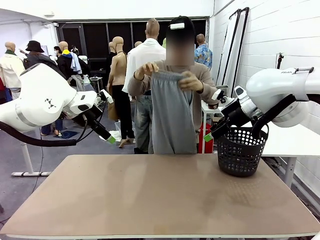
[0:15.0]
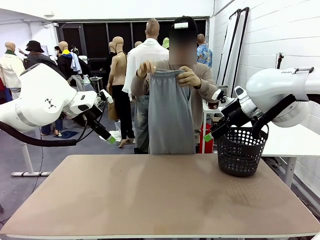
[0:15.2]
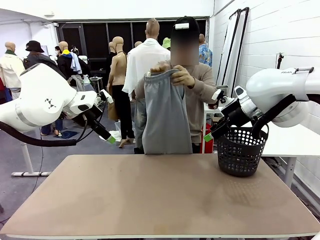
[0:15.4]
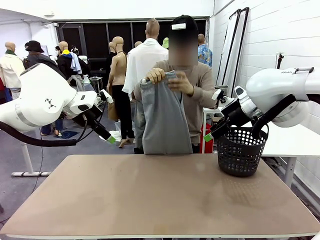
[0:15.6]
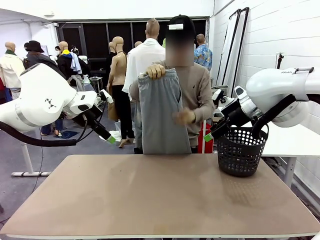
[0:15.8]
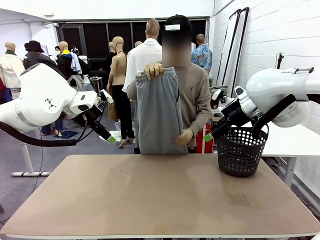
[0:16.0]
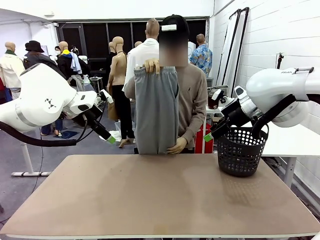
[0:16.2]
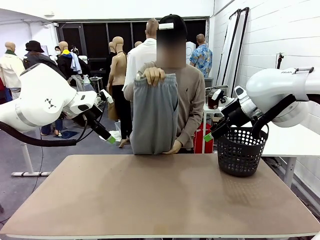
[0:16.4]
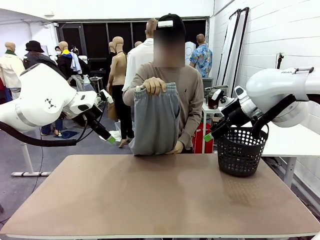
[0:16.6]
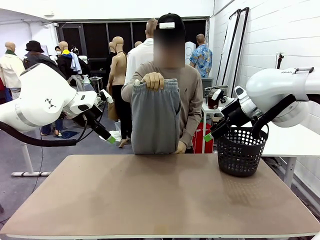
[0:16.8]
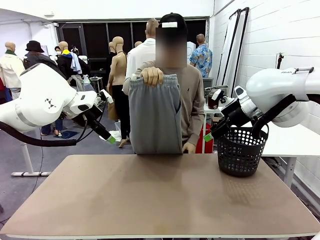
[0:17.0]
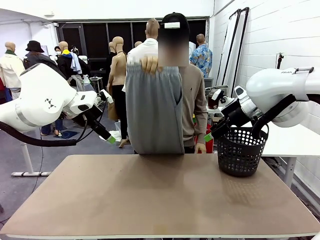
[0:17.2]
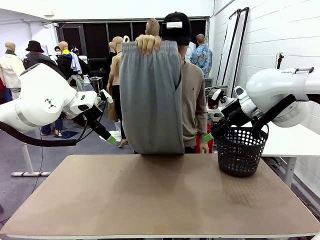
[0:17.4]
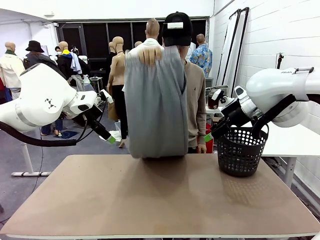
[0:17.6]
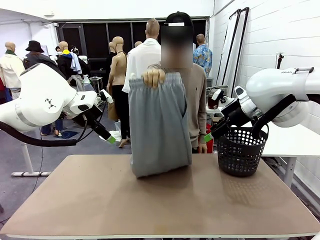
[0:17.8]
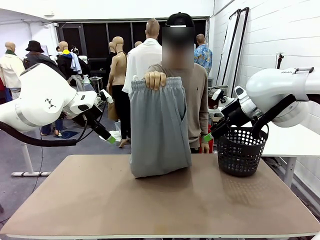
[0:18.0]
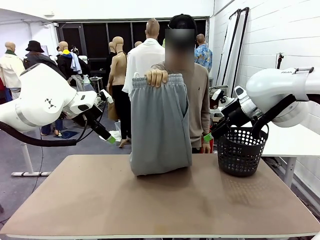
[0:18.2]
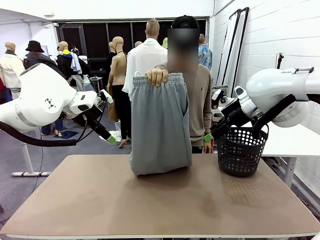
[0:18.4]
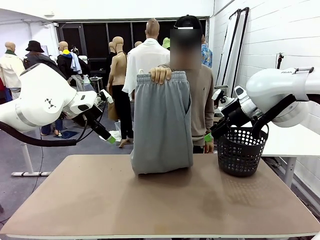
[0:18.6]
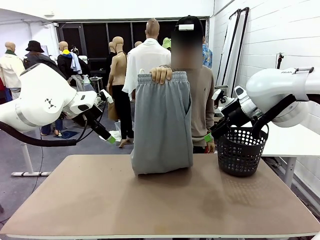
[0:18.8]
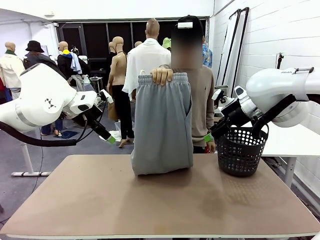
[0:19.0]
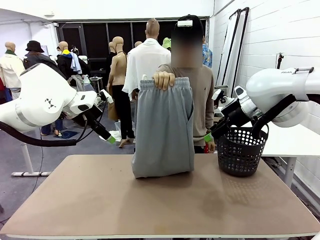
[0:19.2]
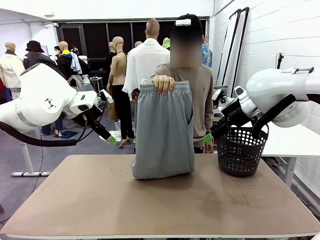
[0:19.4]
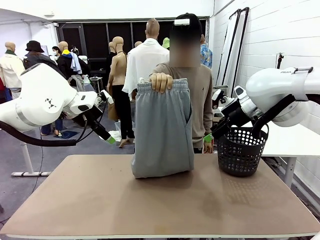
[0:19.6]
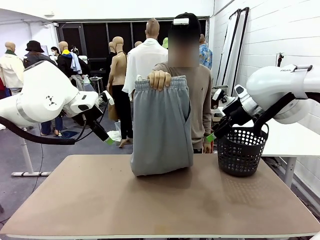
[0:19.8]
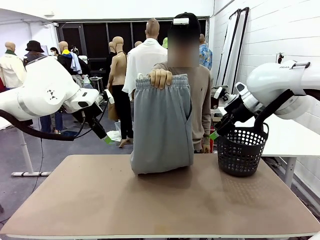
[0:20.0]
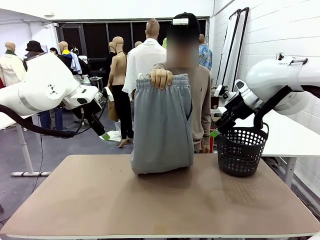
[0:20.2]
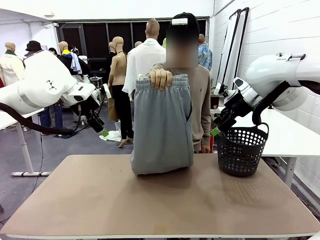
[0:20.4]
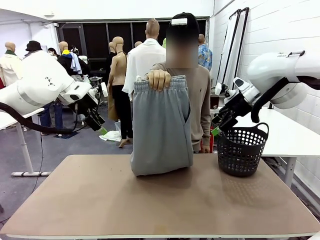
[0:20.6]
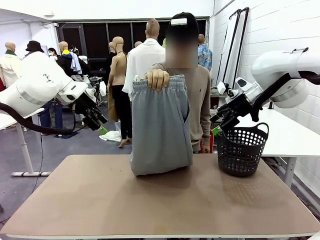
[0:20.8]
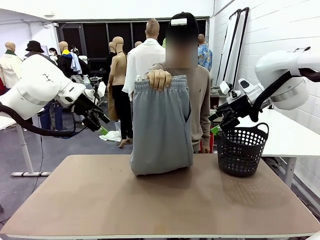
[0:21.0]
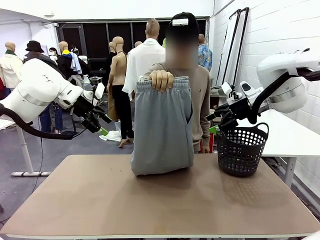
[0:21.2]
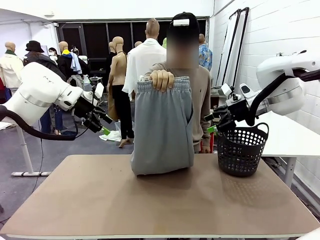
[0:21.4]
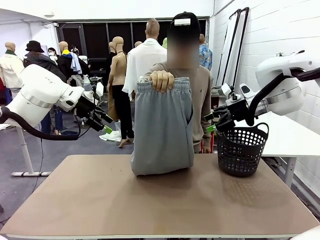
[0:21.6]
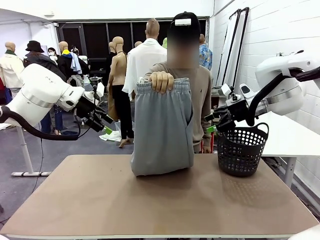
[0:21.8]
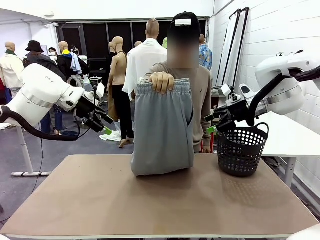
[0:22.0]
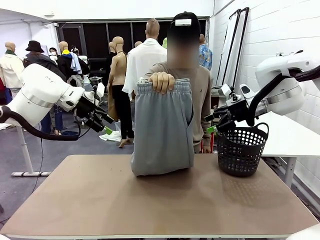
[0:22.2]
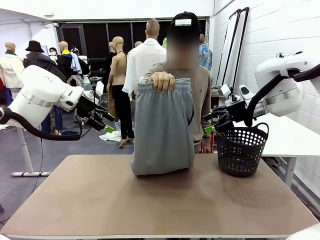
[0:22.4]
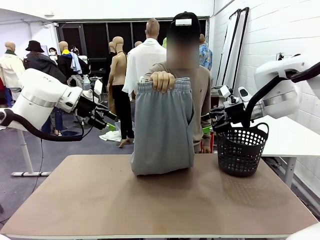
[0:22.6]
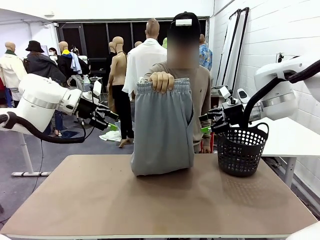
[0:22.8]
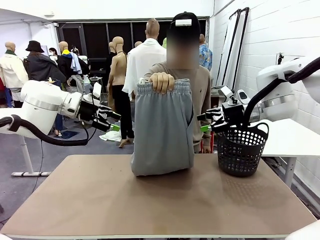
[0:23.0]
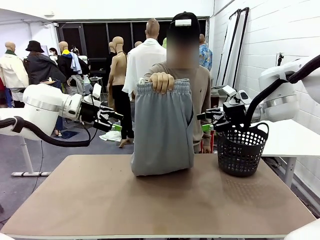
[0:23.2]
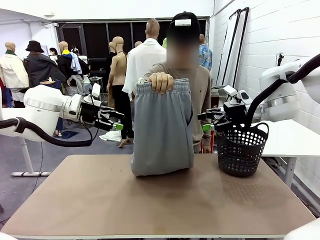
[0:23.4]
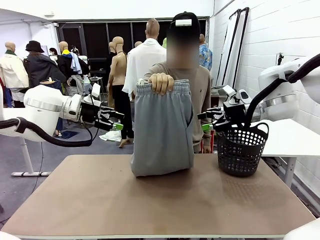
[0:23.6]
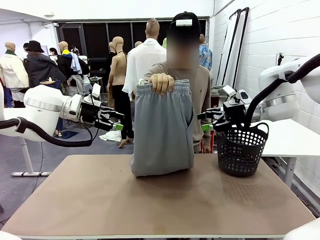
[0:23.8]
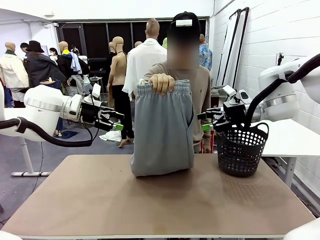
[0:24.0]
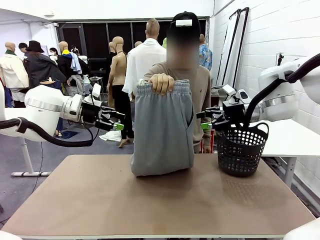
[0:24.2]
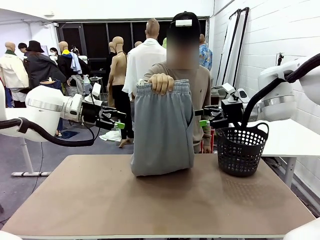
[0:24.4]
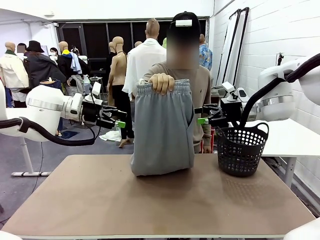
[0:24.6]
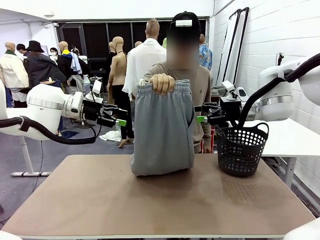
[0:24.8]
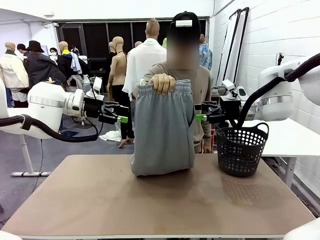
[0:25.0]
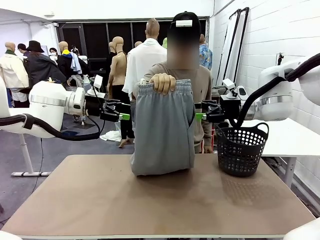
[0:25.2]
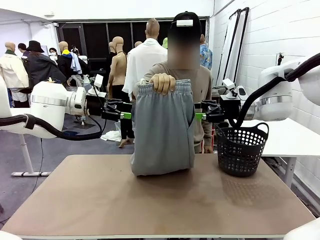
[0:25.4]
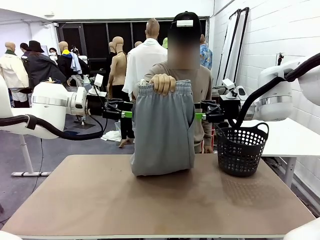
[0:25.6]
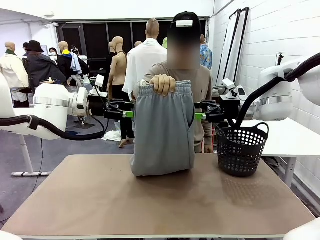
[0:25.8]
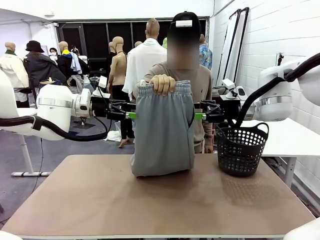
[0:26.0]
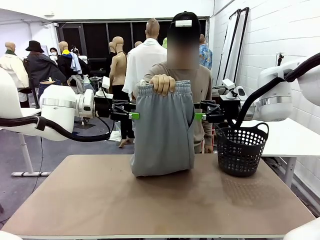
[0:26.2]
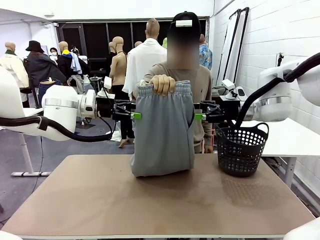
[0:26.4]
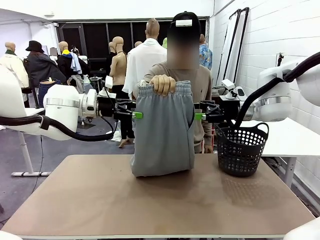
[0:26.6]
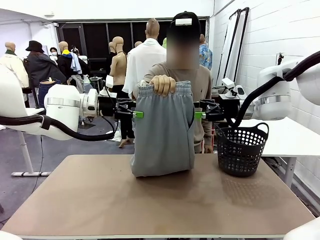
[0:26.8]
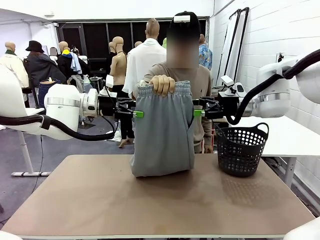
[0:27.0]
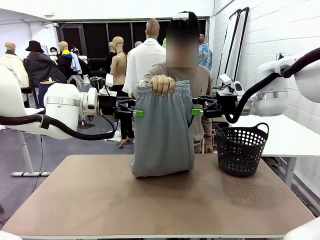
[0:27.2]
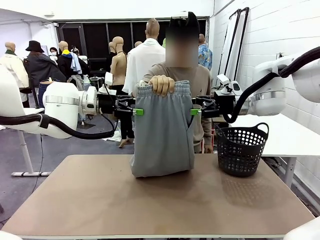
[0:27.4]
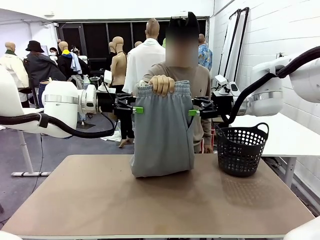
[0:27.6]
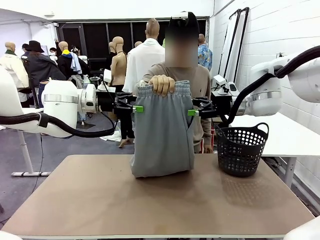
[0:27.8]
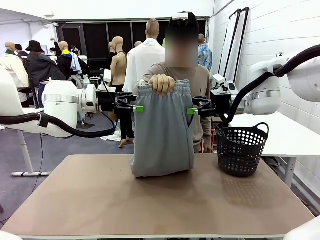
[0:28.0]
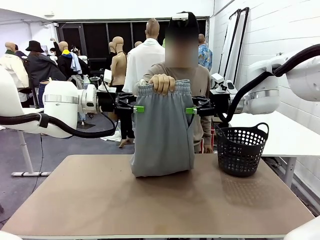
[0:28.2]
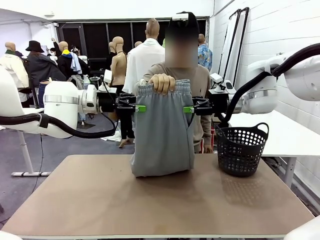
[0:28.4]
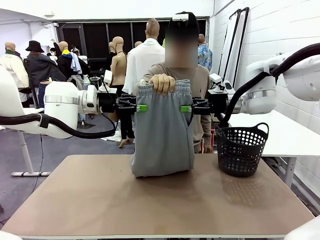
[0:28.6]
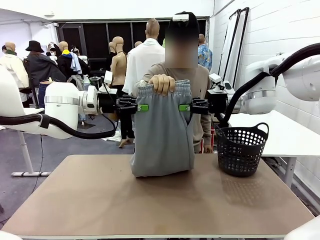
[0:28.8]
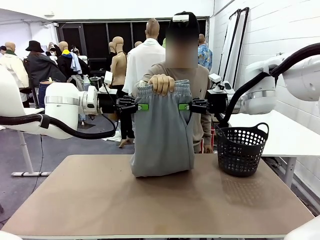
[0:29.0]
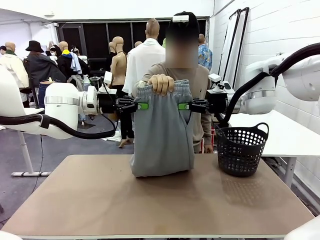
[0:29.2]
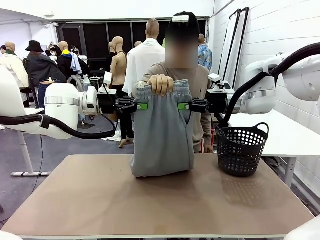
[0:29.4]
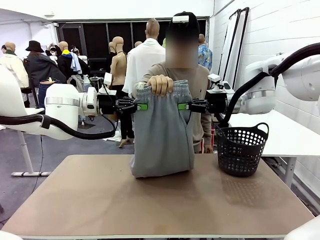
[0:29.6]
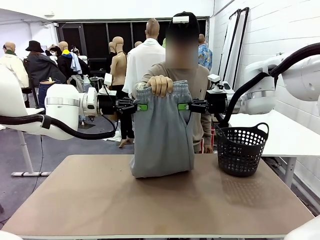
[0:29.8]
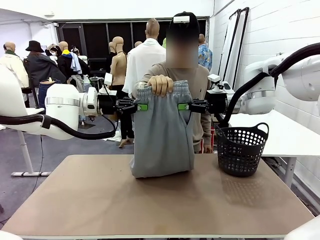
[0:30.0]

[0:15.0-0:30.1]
Task: Fold the training pants.
Robot: Grab both ends of the Training pants handed by a person.
